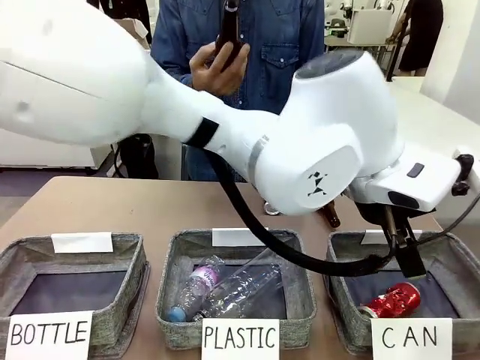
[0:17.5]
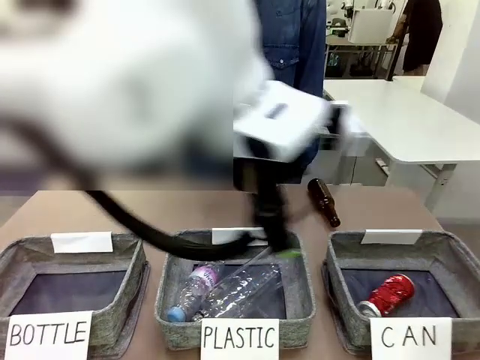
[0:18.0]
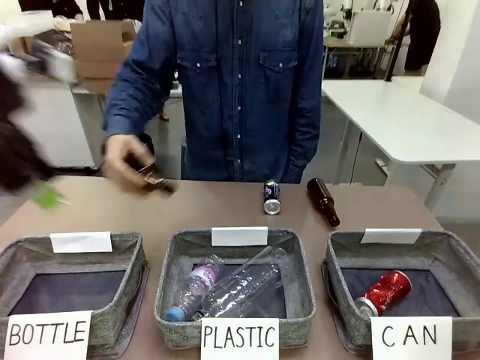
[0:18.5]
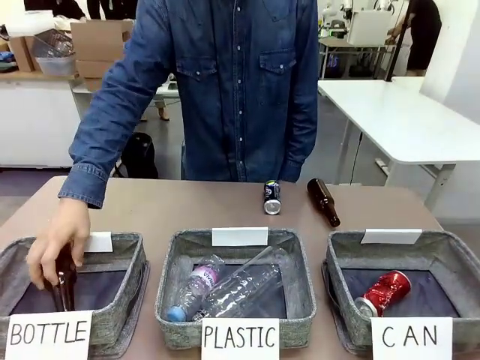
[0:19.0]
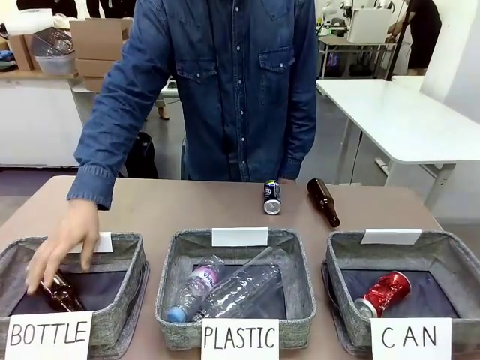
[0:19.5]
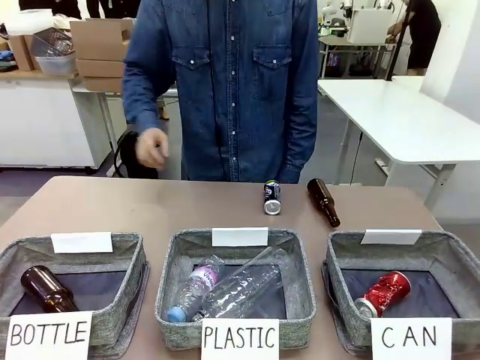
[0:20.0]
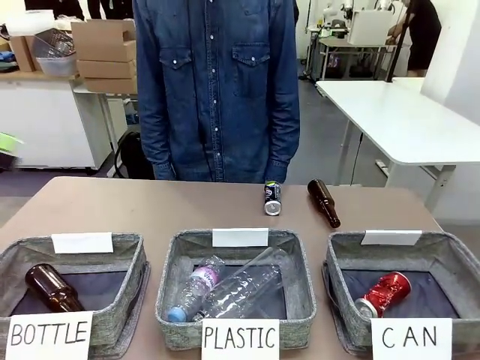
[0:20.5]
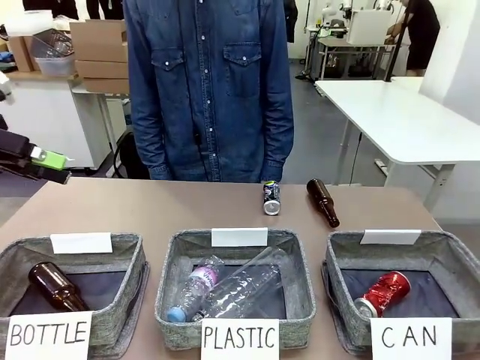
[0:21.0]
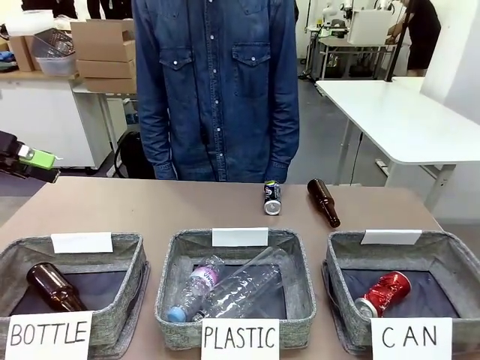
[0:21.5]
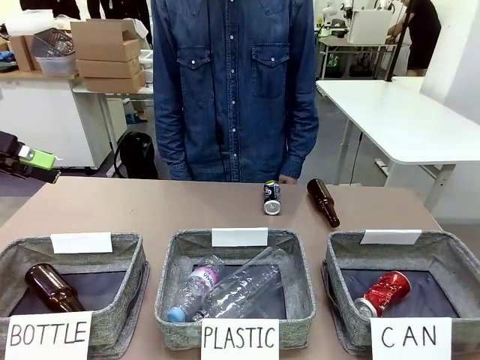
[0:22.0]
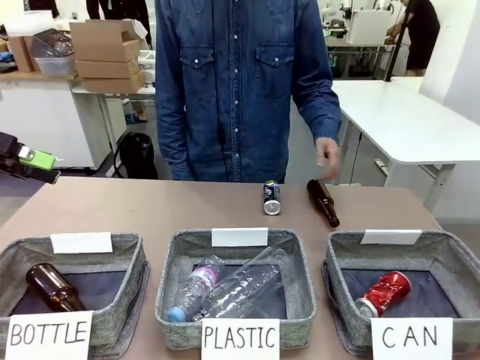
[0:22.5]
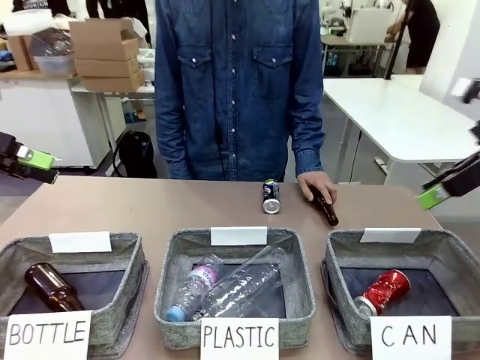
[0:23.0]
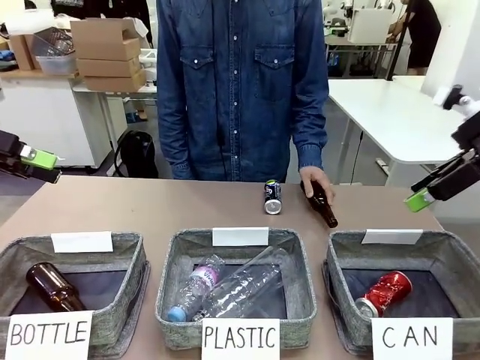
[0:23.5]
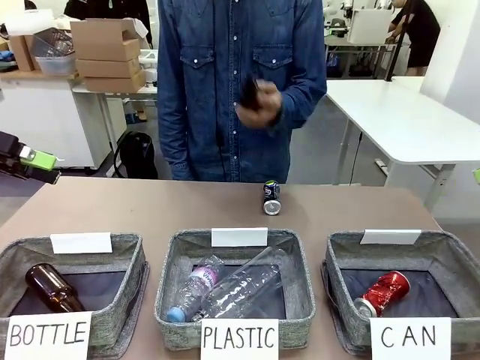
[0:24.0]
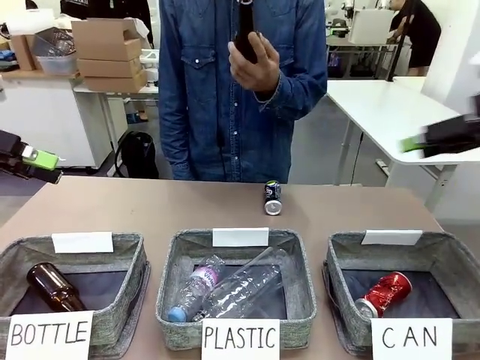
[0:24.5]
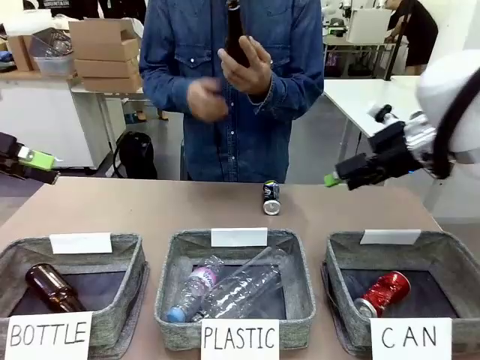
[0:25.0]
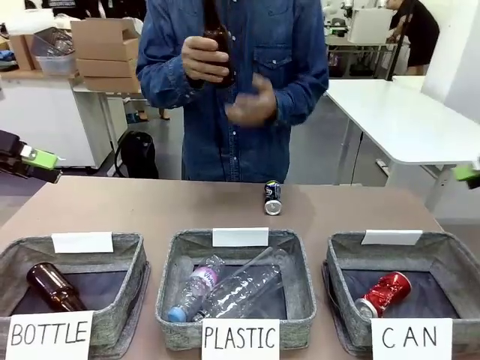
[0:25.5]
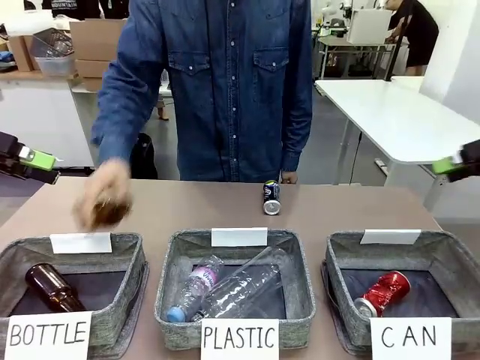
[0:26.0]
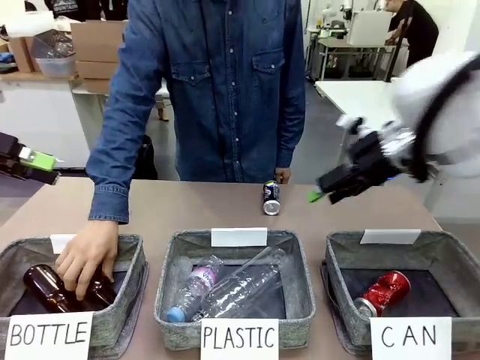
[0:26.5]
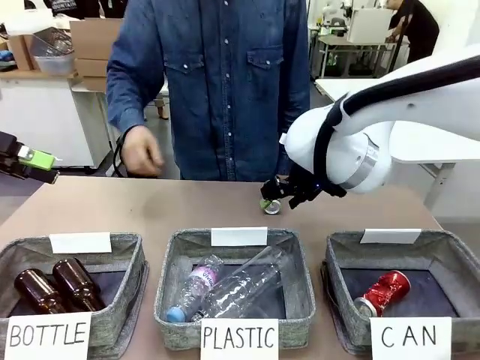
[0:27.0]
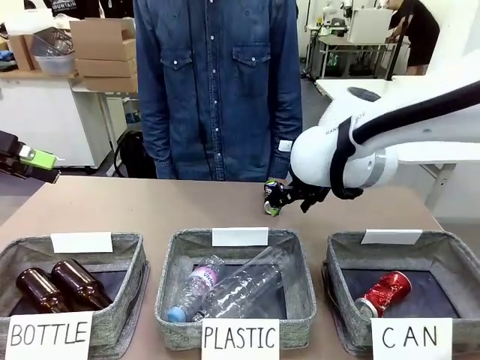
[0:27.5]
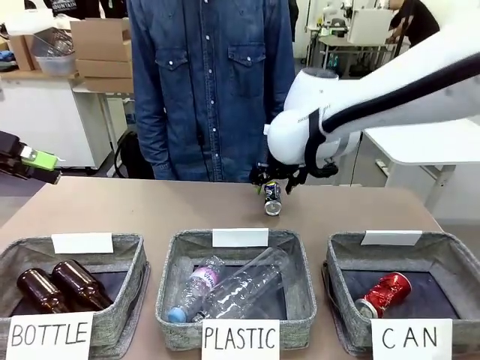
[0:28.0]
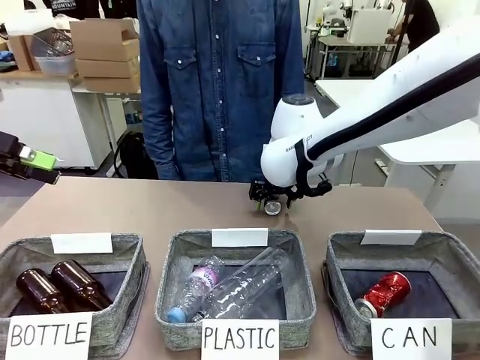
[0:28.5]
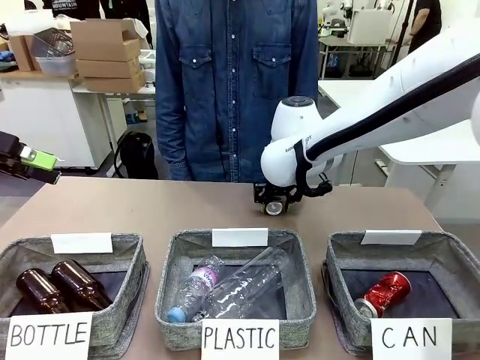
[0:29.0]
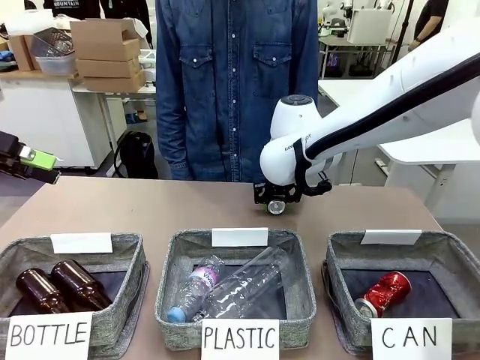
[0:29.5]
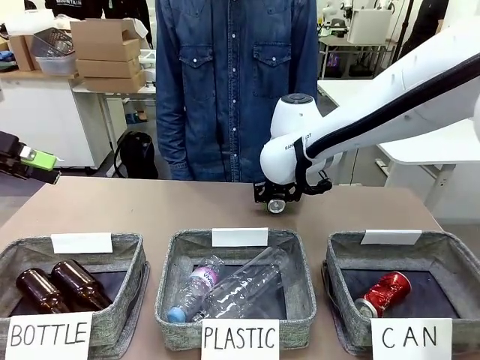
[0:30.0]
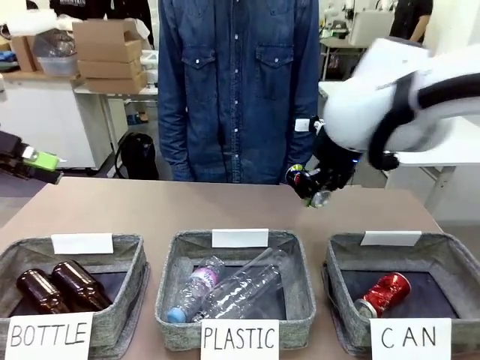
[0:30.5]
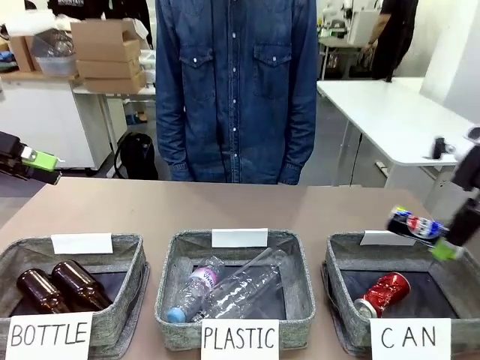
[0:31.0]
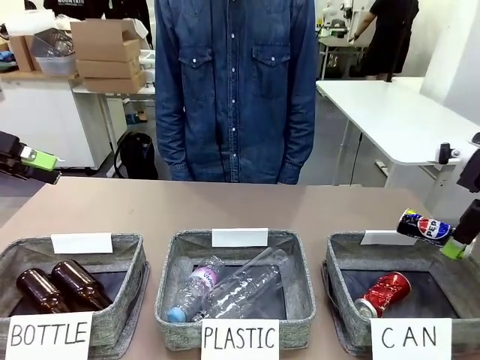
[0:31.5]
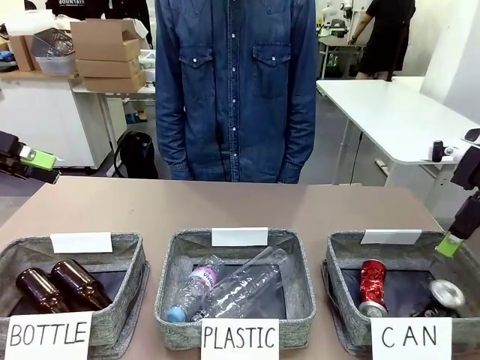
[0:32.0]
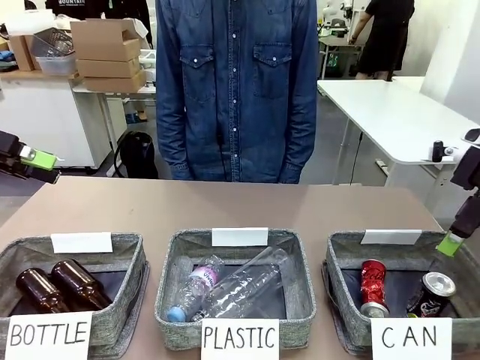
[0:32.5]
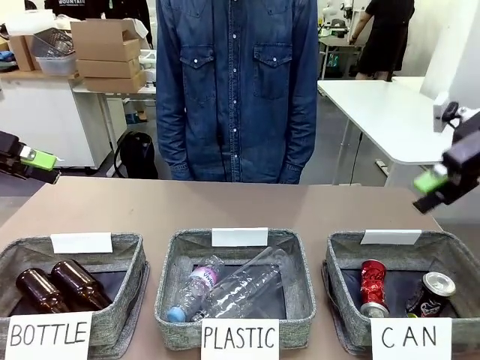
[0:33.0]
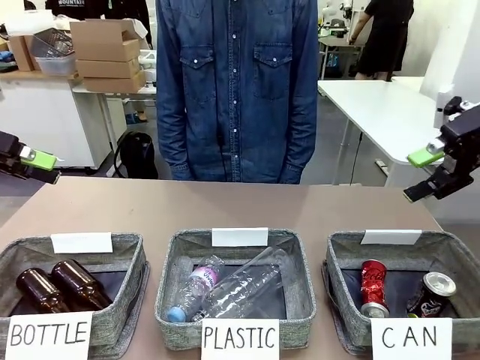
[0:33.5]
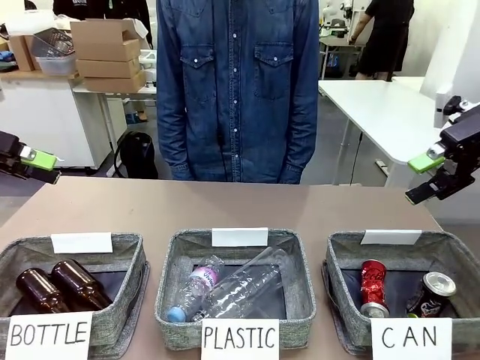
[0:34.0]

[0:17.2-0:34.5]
Task: Sort the can waste into the basket.
Robot: Pick up the can waste from the table and place it in the right Fabric basket.
Person: The human picks up one piece of trash that is not a can and places the trash into the appropriate organizing basket.

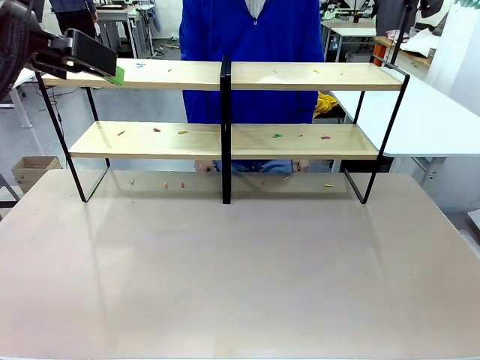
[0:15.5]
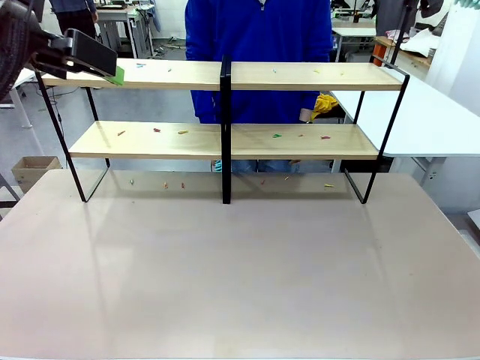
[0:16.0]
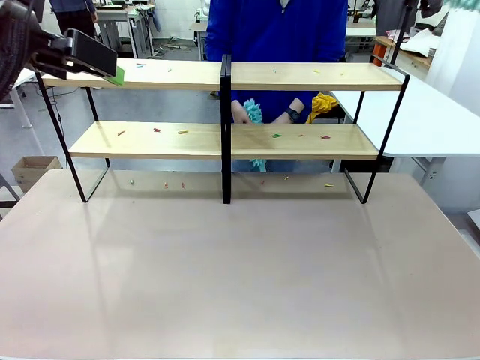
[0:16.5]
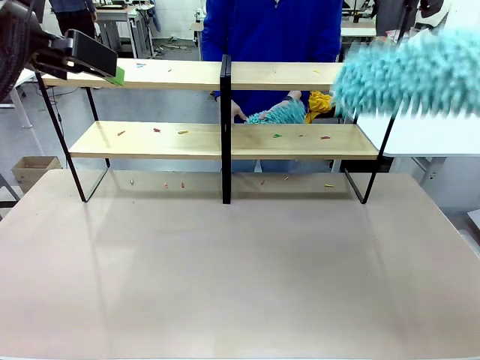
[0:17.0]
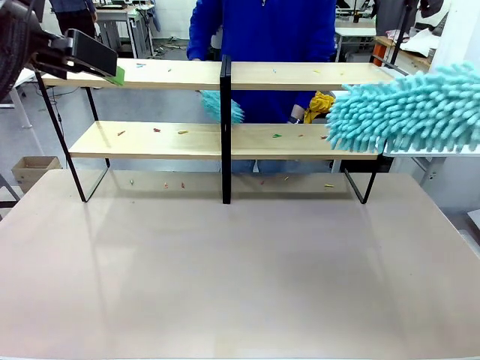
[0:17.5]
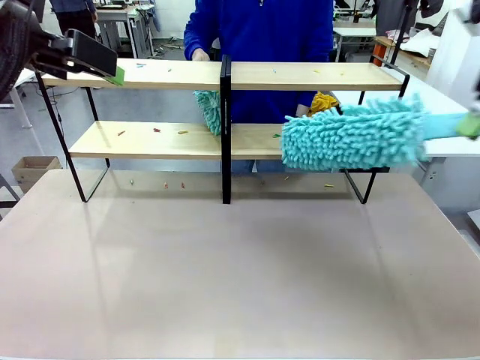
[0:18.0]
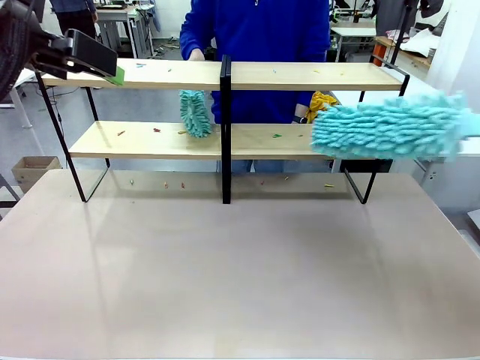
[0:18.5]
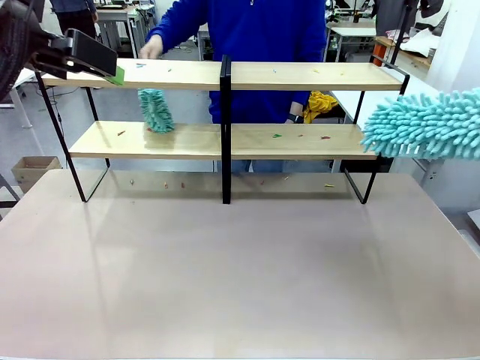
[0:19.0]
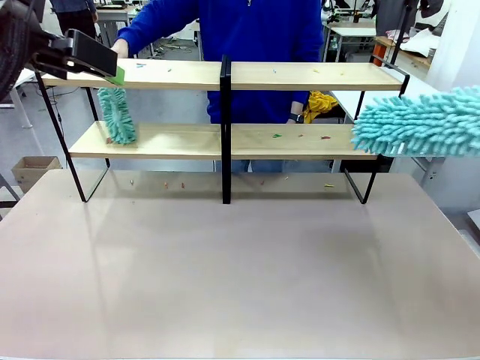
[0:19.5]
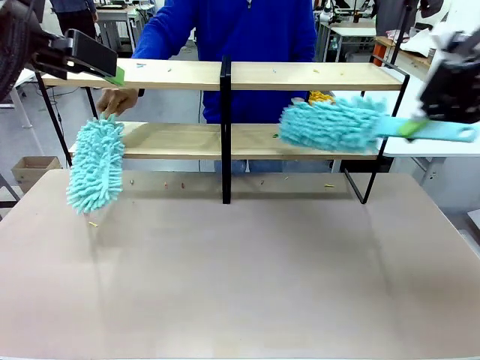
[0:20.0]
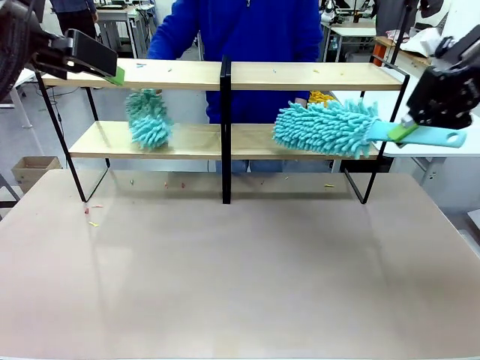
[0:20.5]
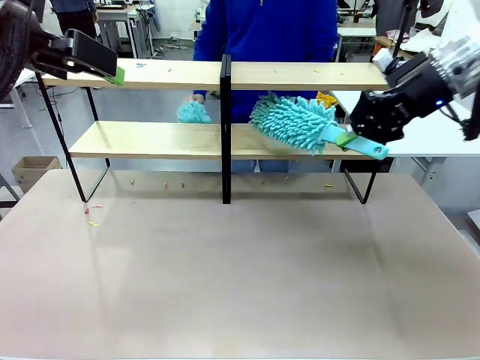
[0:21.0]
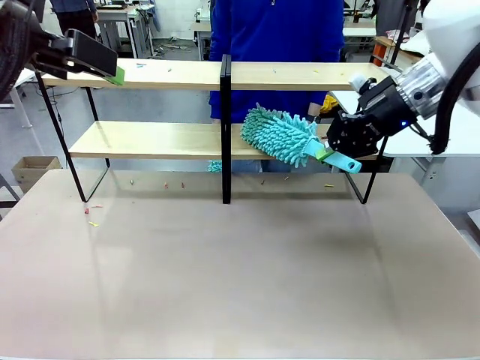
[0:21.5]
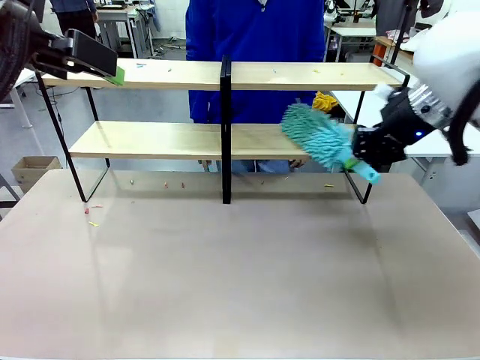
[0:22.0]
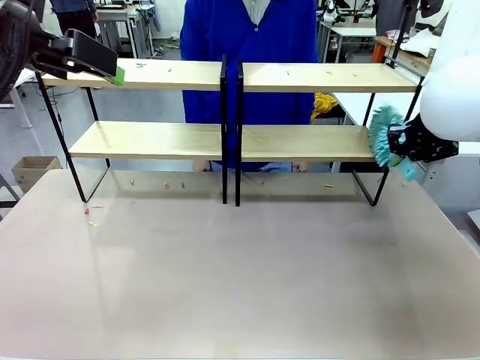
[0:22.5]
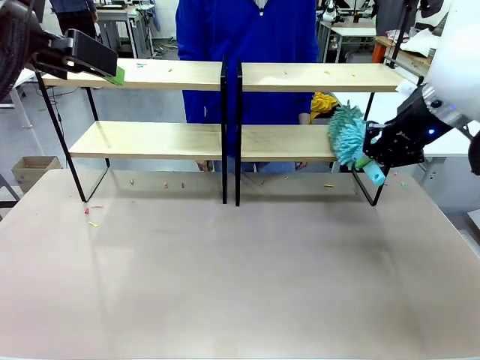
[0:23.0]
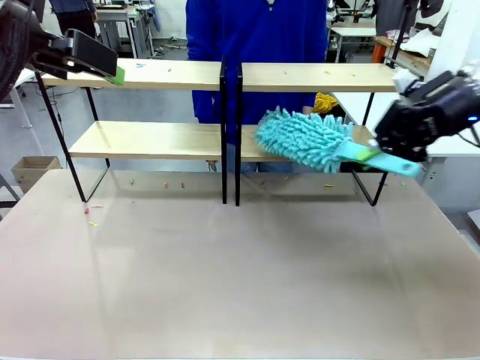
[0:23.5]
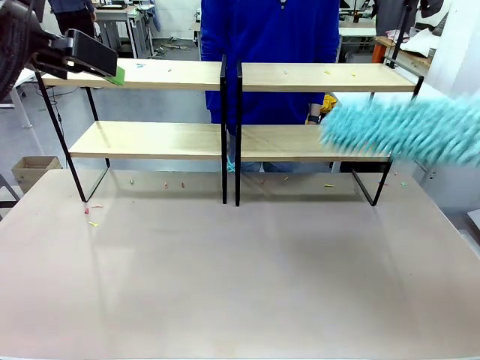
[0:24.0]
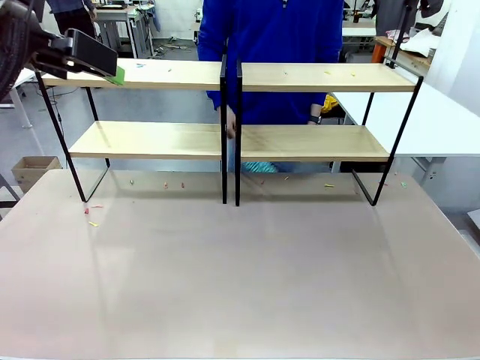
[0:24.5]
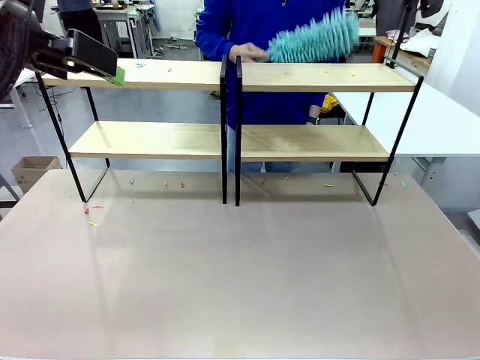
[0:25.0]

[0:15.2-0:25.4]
Task: Clean the shelves.
Robot: Clean a randomly selected level of the Shelf with the Duster.
